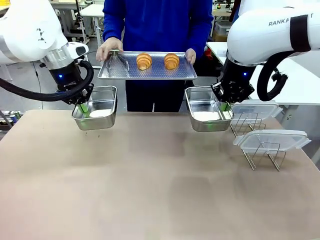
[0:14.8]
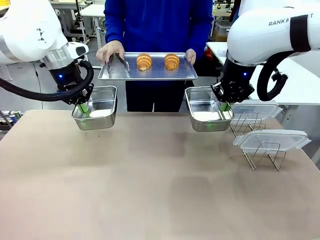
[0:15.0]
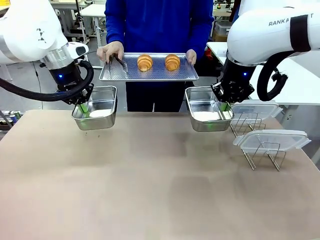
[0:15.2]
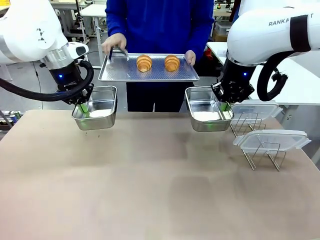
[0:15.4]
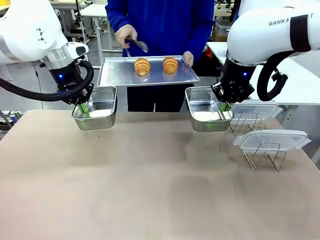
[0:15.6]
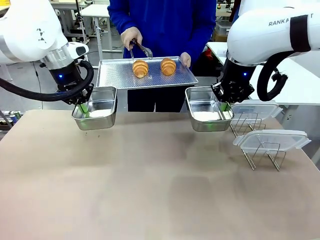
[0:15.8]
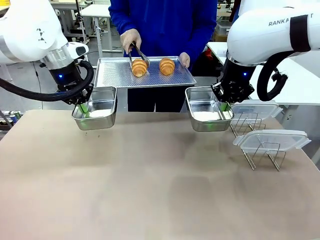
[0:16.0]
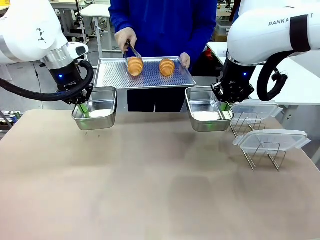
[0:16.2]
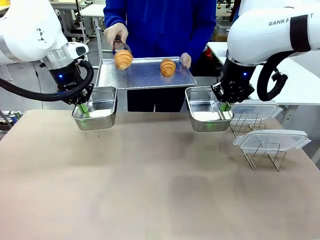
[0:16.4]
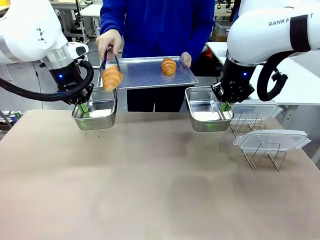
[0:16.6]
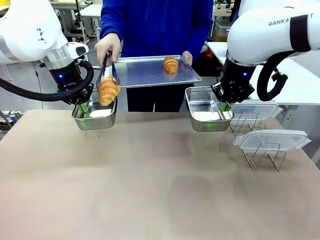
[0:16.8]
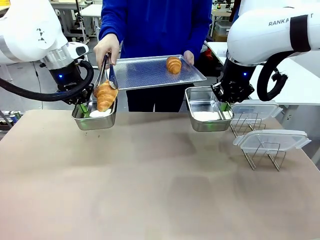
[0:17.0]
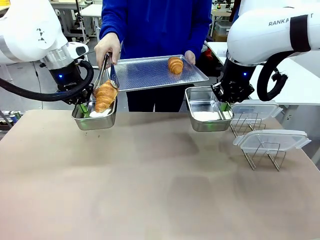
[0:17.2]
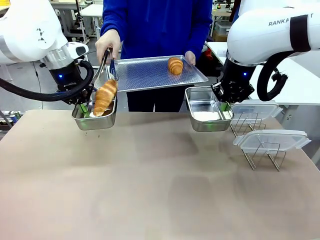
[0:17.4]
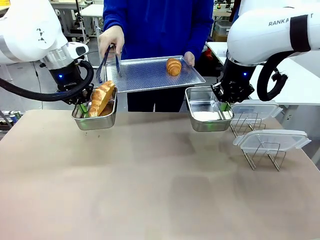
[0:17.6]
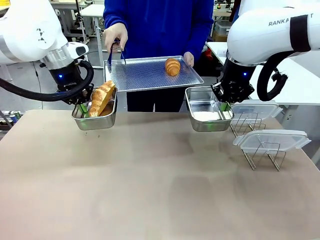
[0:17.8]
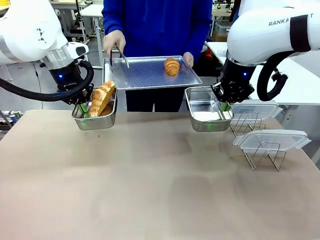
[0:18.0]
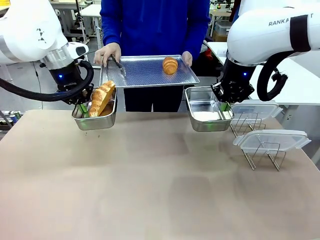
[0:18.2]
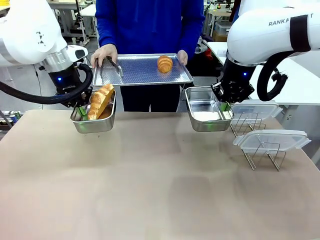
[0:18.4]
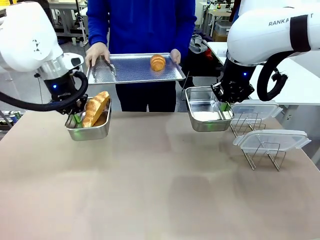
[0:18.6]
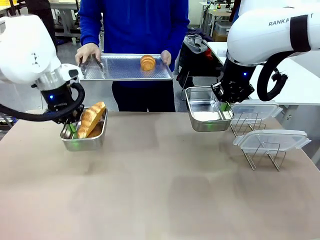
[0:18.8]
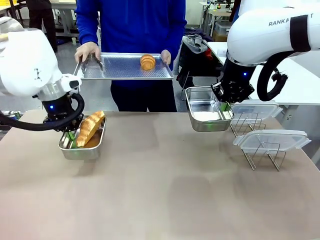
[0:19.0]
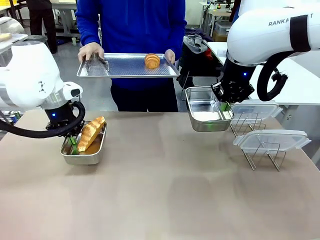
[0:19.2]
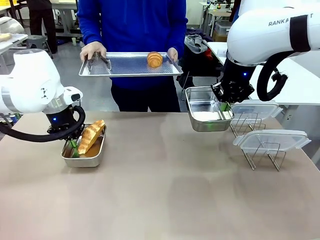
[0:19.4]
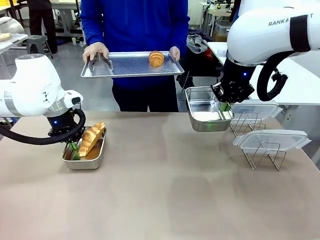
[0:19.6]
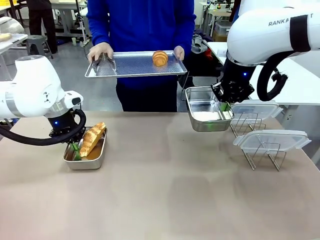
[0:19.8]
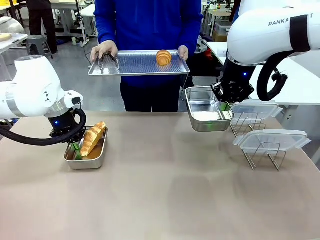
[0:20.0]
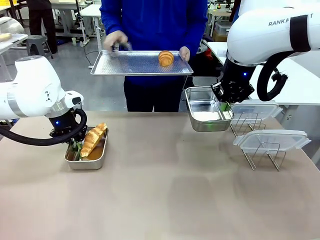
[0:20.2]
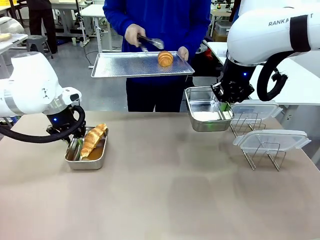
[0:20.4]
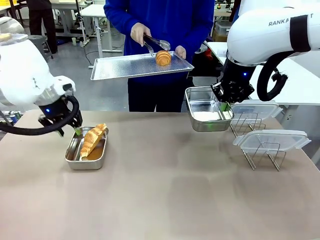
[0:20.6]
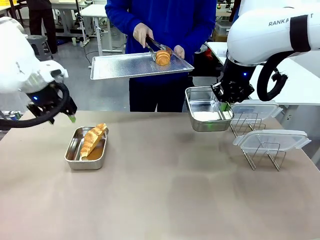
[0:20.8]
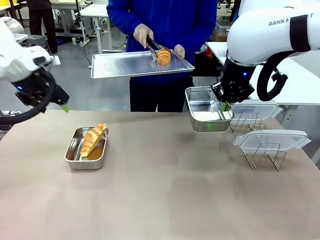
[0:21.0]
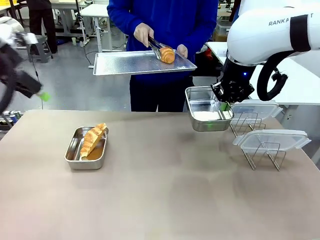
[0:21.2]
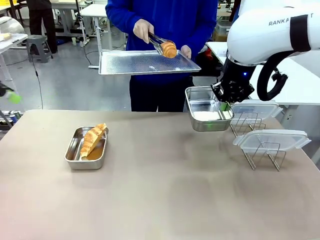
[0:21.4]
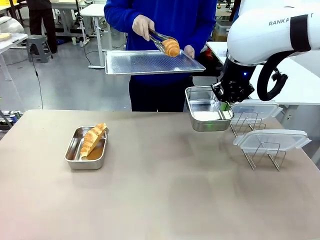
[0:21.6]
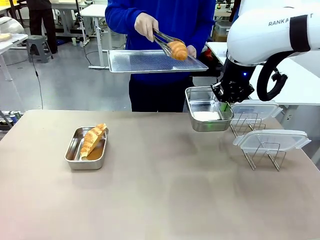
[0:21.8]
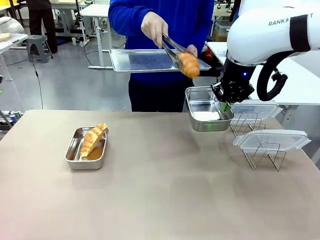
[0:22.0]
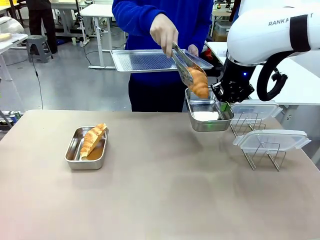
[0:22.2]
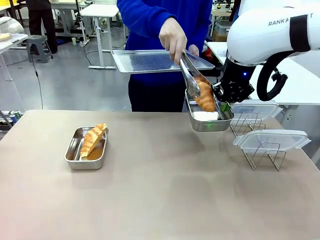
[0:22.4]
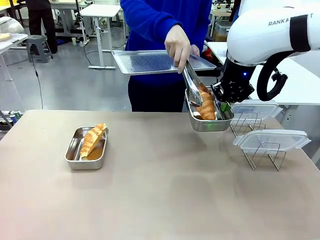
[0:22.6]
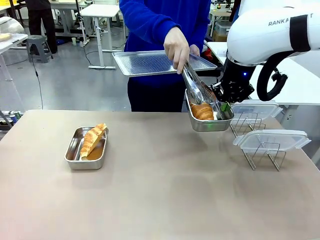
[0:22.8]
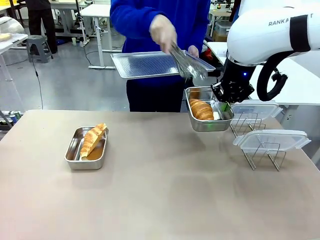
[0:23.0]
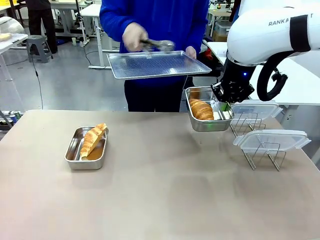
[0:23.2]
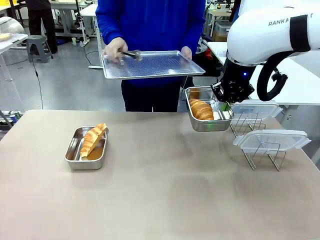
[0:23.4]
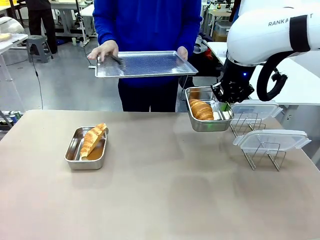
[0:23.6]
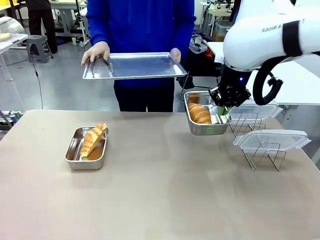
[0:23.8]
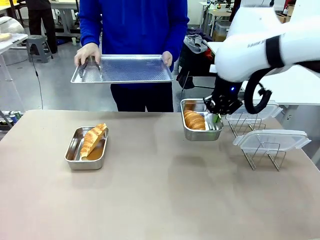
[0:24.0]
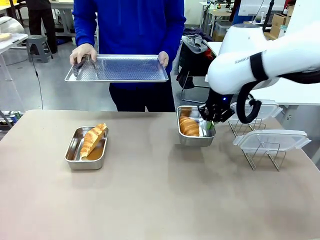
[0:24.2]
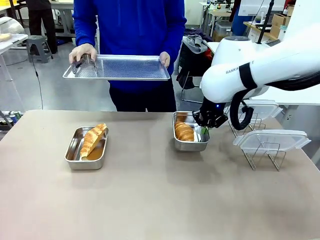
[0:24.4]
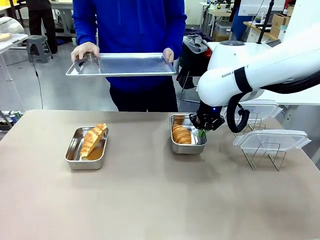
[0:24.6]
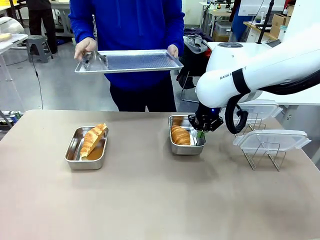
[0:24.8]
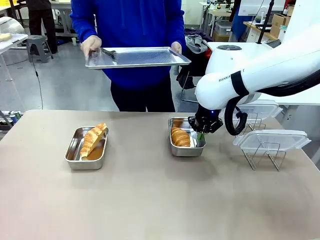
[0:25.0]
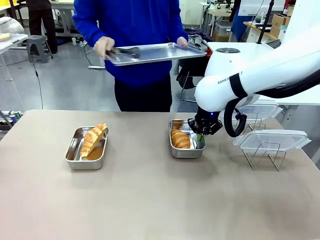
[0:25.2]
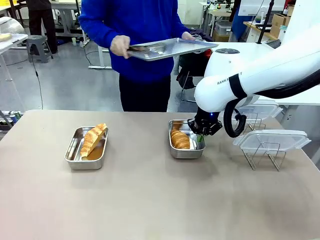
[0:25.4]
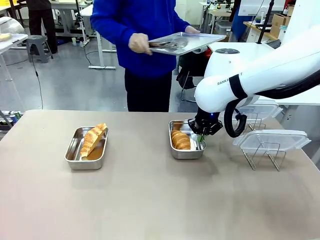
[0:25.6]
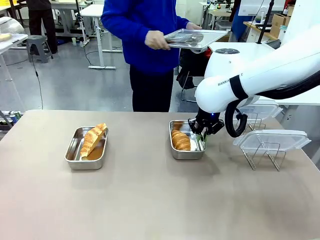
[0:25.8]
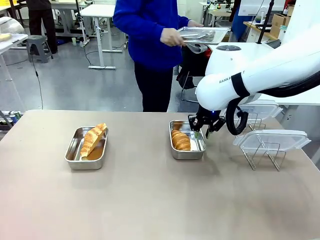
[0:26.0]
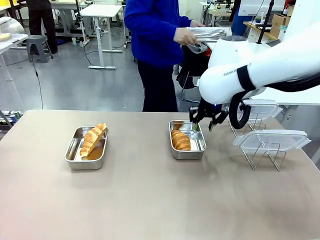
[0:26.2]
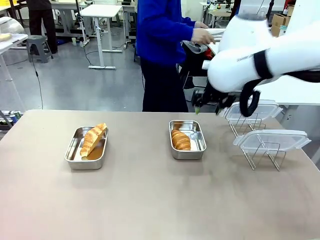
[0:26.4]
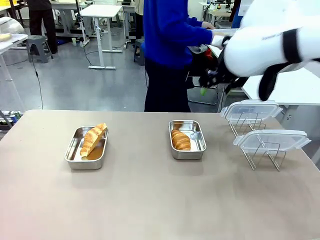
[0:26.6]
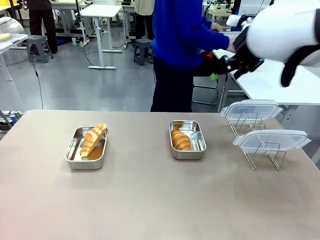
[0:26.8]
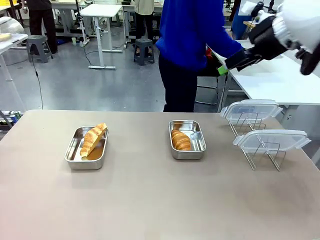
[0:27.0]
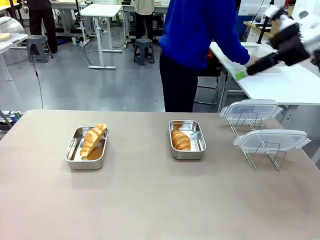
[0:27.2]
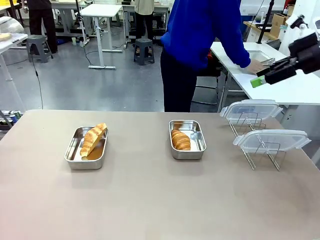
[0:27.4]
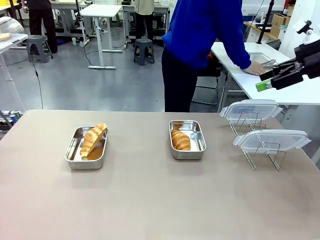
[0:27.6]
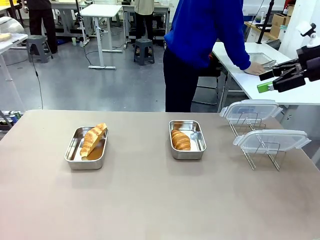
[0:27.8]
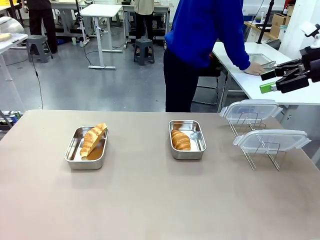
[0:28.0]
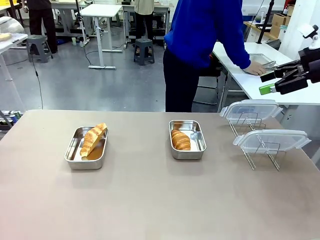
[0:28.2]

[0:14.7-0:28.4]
Task: Place the bread in airtight containers.
Robot: Once an object is inside an Airtight Container , place the container in the center of the table.
Person: Use the Stainless steel tongs to place one object from Baking Sheet into one Airtight Container. Place Baking Sheet on the Human's Table.

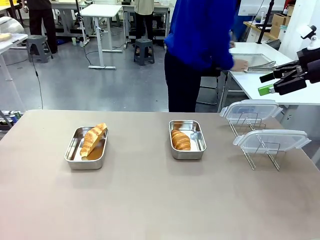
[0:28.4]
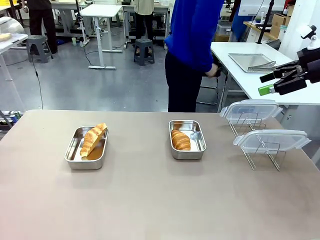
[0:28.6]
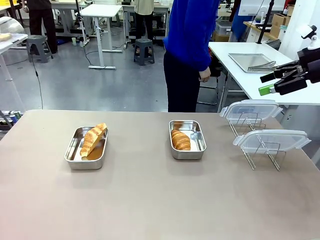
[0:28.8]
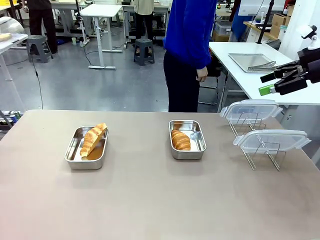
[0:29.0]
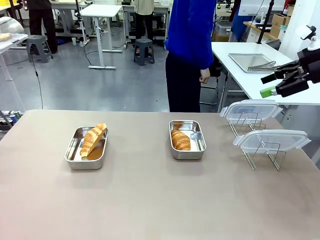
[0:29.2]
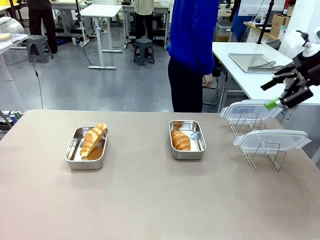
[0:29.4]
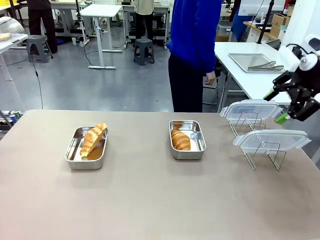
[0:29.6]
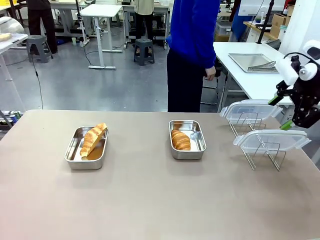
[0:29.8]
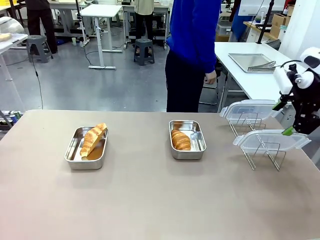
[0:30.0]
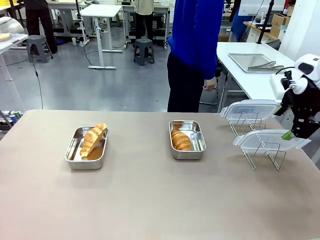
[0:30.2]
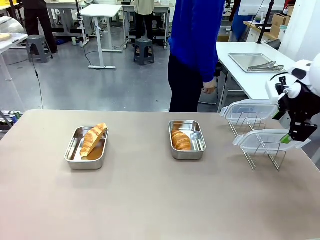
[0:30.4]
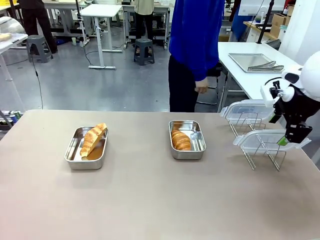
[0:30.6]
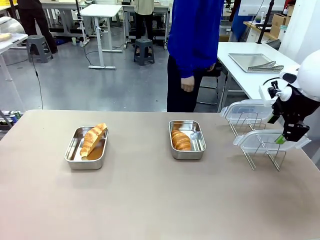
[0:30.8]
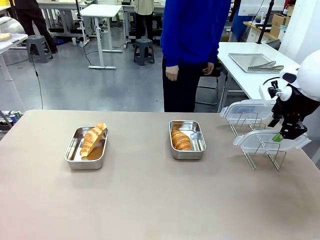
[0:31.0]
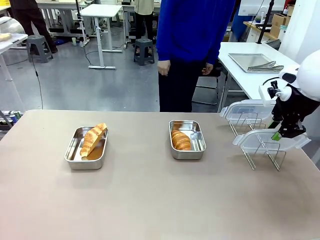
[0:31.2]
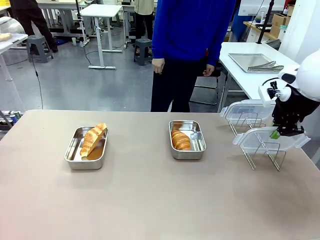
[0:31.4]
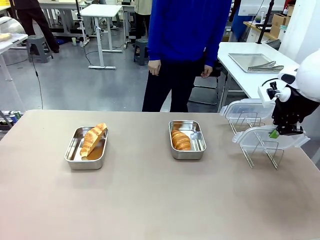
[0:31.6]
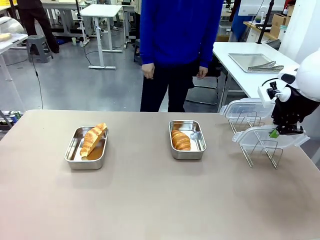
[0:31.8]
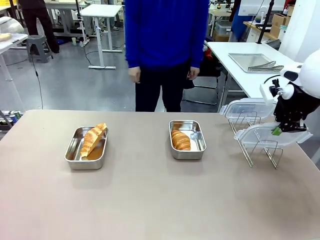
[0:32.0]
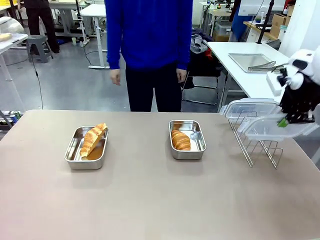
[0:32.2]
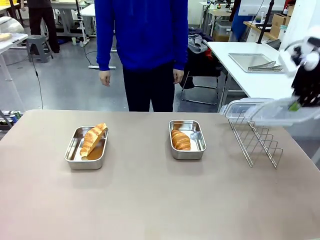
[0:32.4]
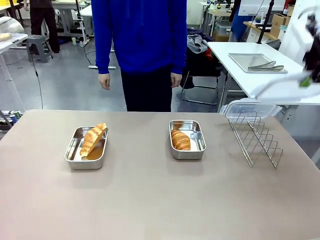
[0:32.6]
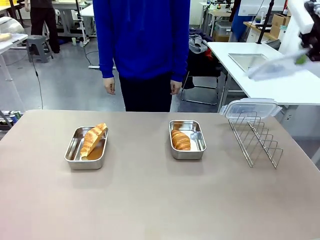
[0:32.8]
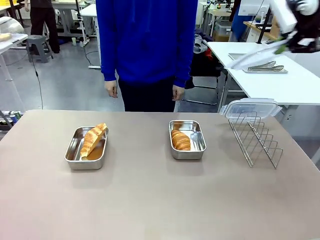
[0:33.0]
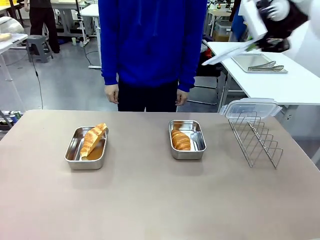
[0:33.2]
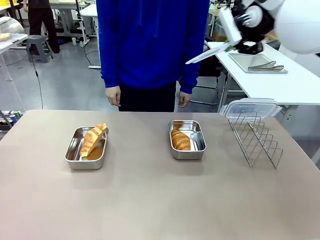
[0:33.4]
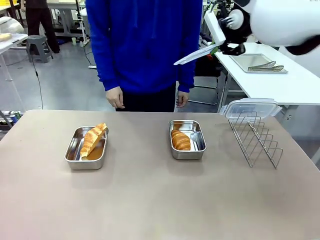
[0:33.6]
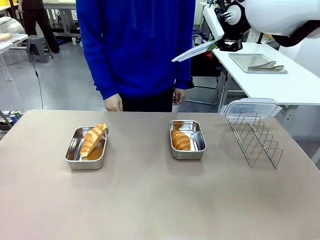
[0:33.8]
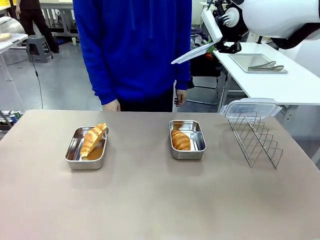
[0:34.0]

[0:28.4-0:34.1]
Robot: Pick up one Airtight Container lid and hand it to the human.
Person: Grip Airtight Container lid that robot is handing.

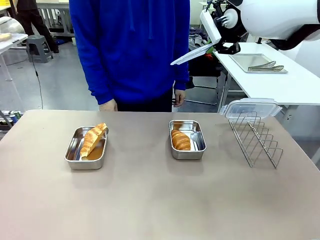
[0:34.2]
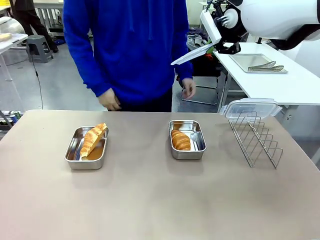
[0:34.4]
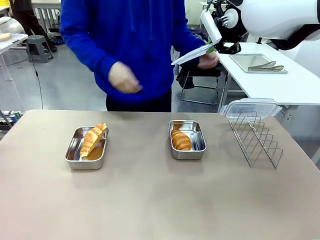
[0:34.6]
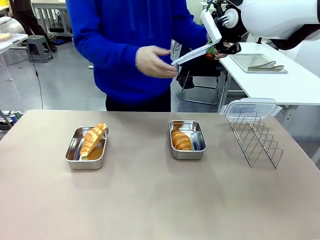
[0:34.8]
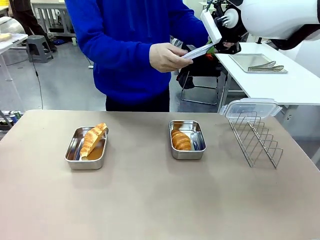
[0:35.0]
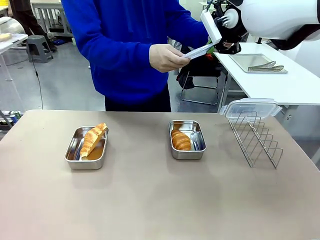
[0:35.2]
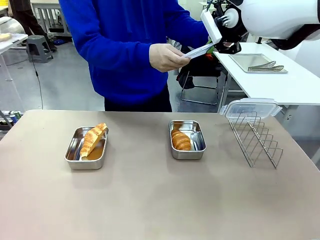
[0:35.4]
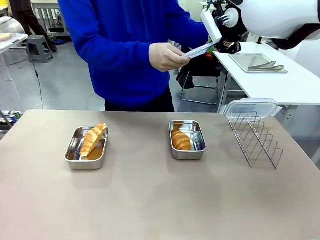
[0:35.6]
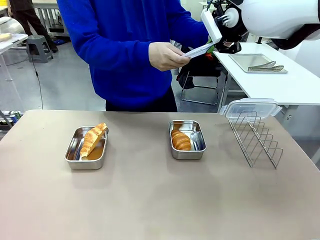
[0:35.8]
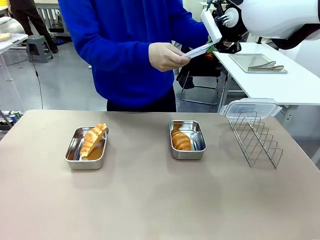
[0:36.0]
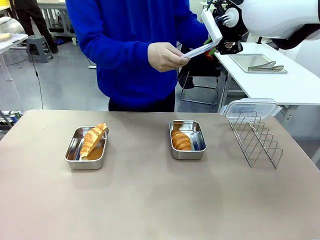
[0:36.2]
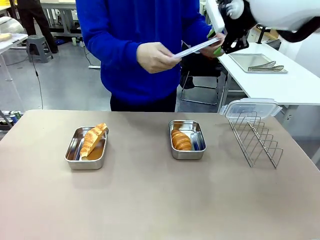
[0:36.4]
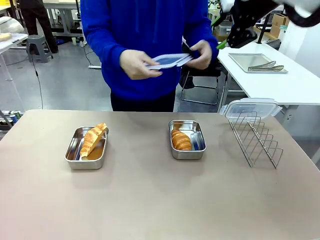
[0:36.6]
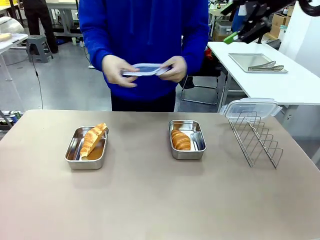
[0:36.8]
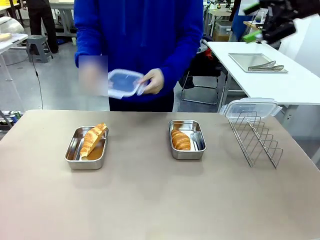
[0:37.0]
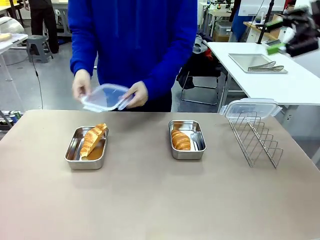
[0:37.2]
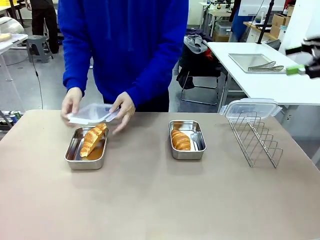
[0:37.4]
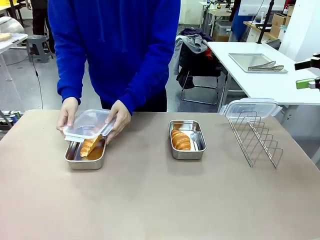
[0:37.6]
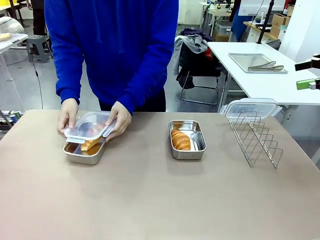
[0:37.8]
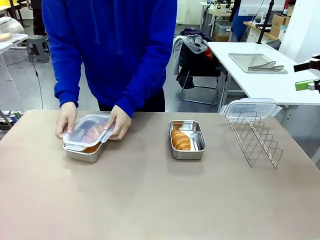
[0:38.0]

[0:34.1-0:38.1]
Robot: Release when the human grabs the Airtight Container lid.
